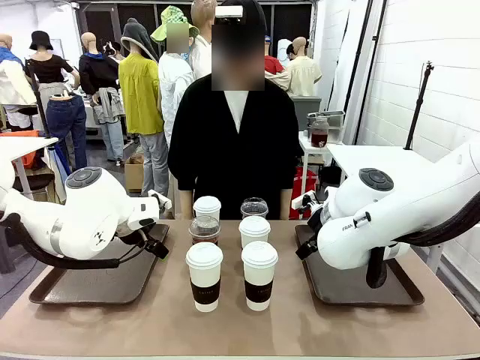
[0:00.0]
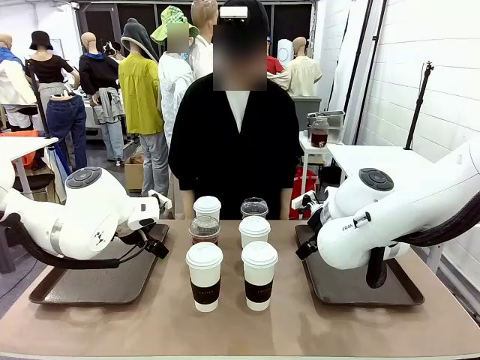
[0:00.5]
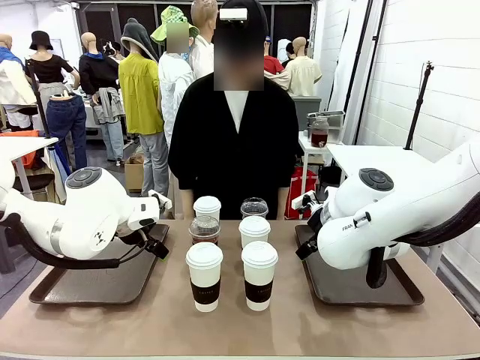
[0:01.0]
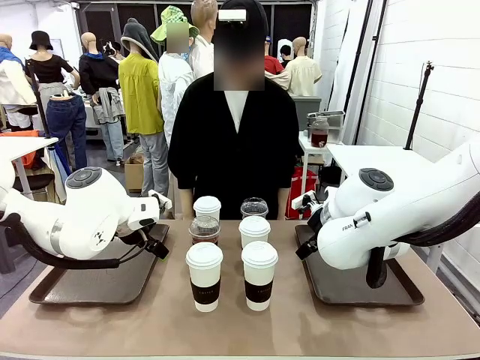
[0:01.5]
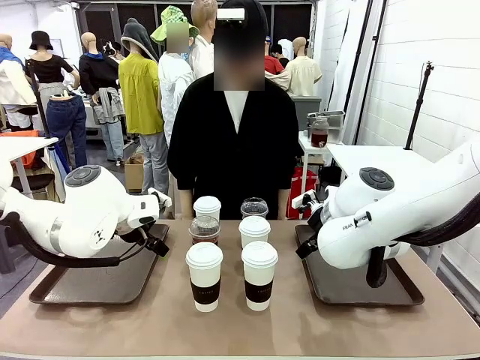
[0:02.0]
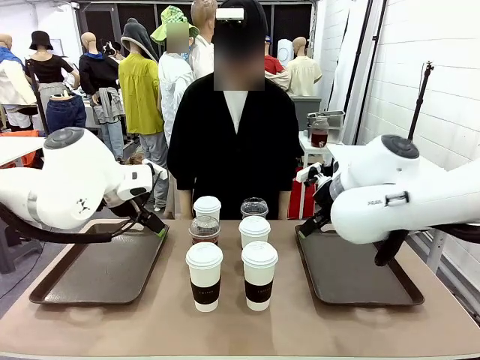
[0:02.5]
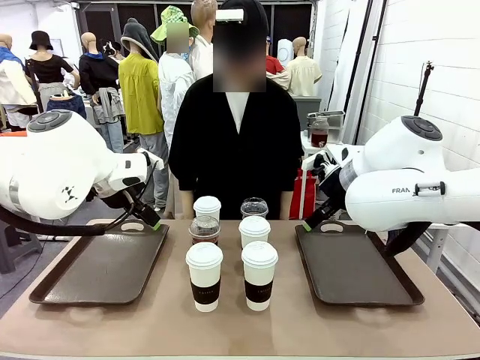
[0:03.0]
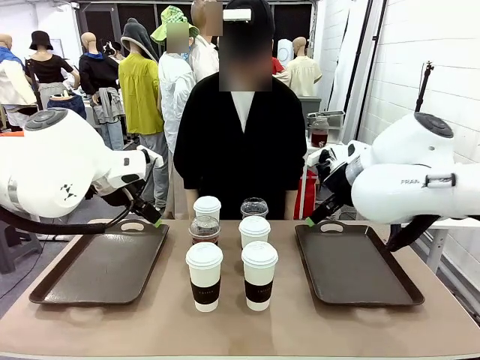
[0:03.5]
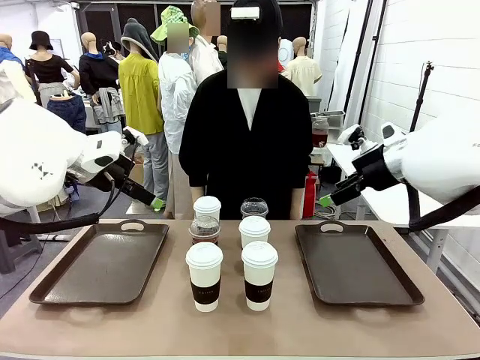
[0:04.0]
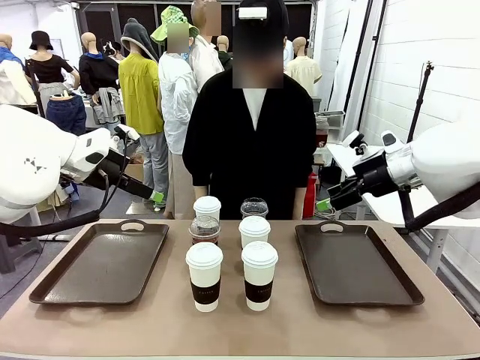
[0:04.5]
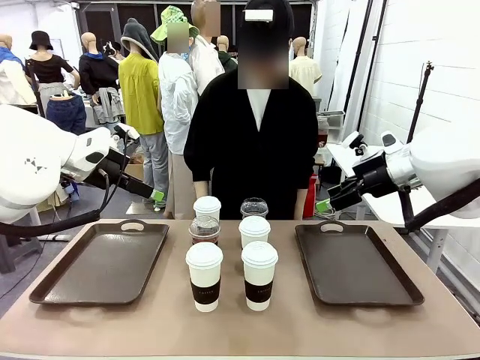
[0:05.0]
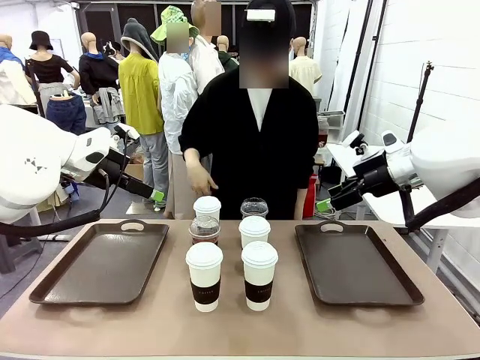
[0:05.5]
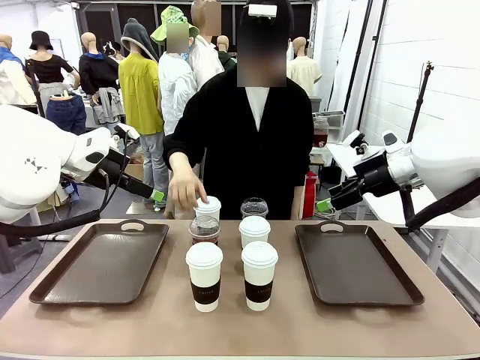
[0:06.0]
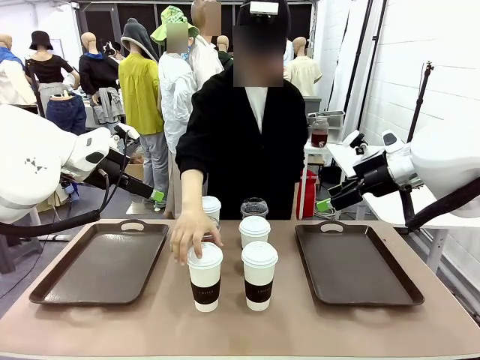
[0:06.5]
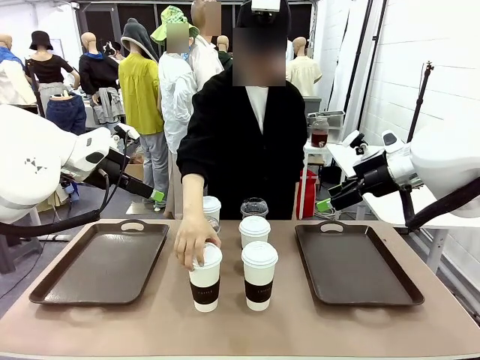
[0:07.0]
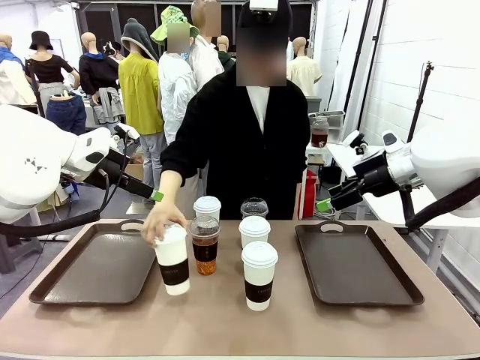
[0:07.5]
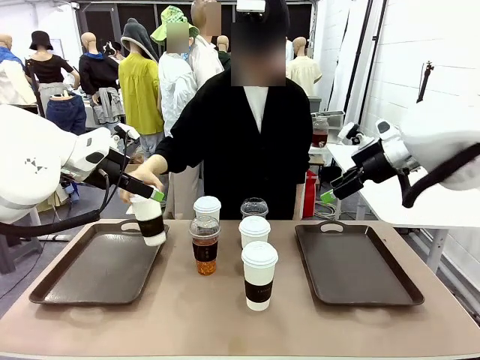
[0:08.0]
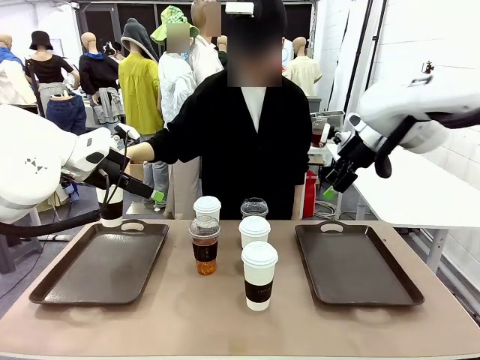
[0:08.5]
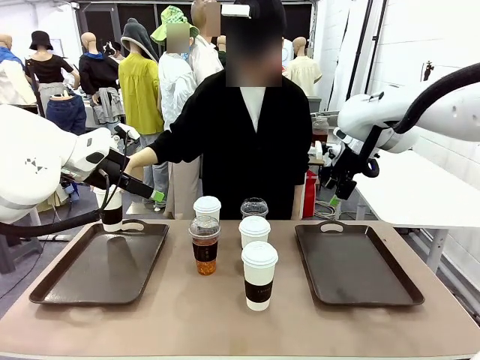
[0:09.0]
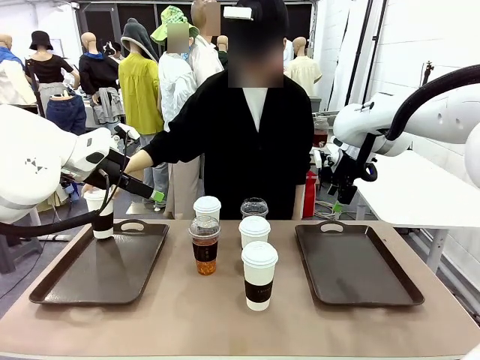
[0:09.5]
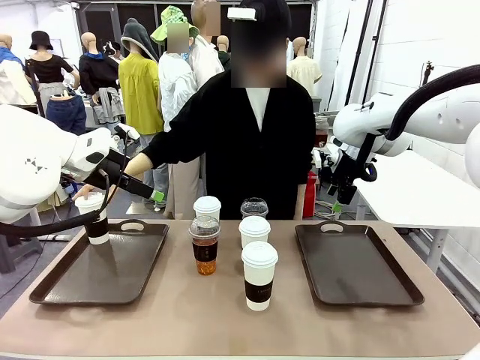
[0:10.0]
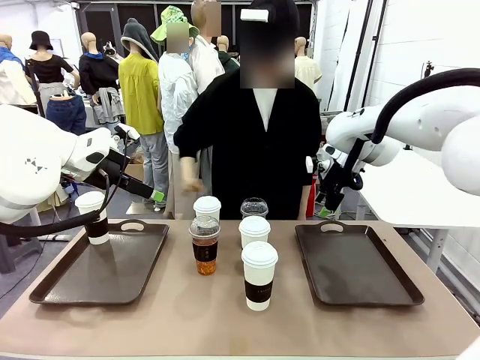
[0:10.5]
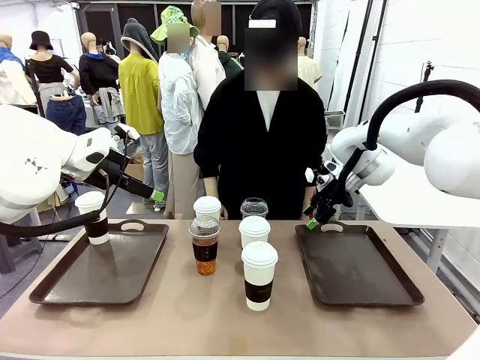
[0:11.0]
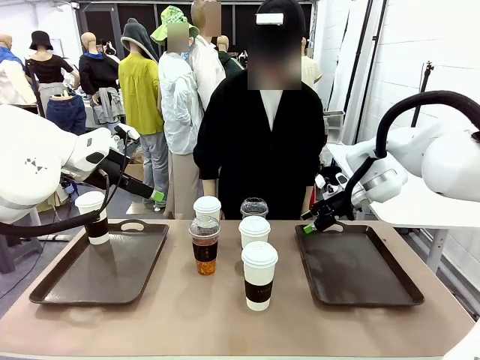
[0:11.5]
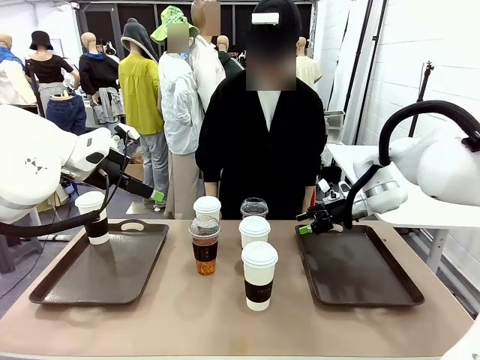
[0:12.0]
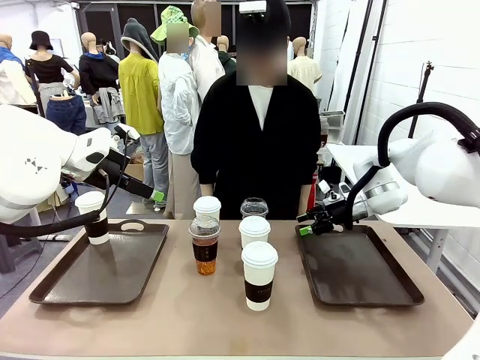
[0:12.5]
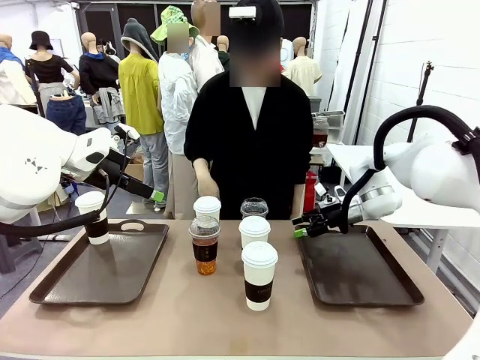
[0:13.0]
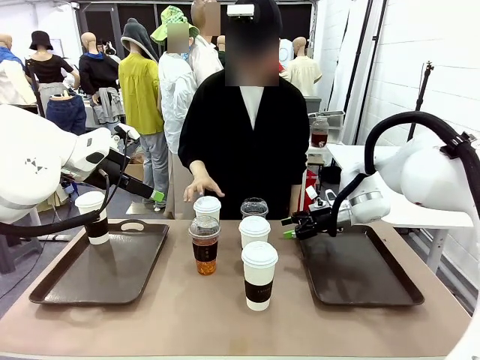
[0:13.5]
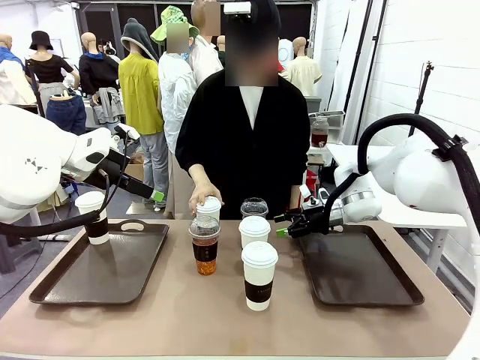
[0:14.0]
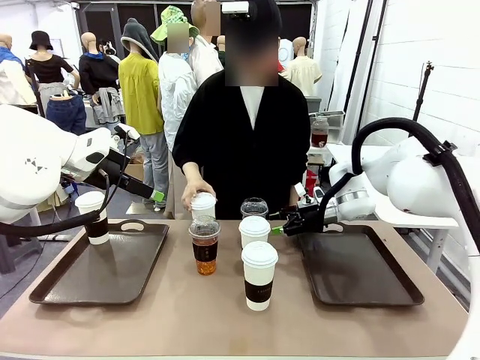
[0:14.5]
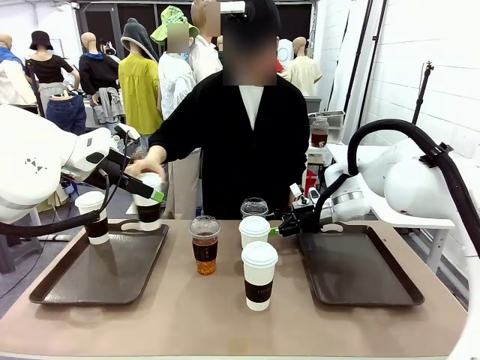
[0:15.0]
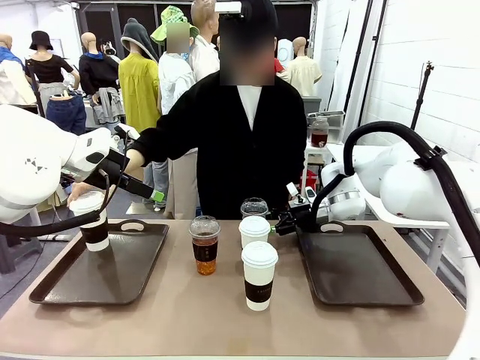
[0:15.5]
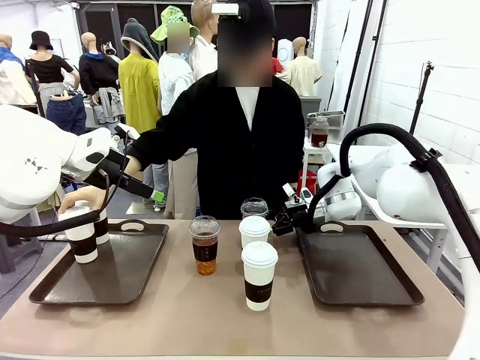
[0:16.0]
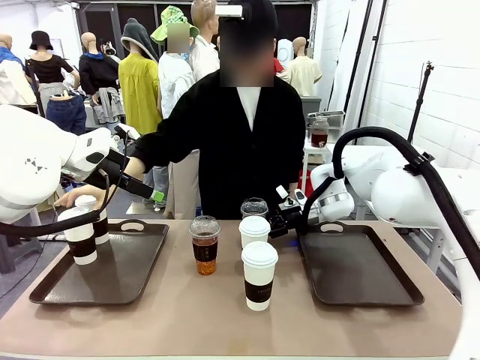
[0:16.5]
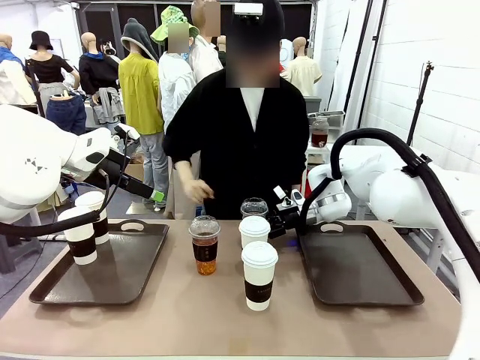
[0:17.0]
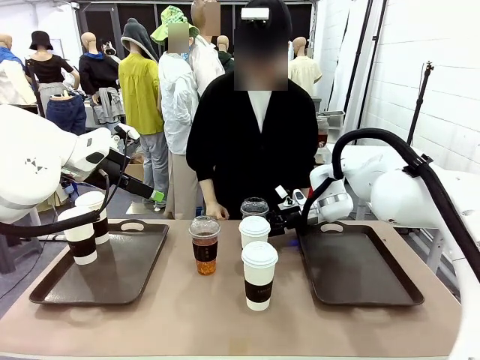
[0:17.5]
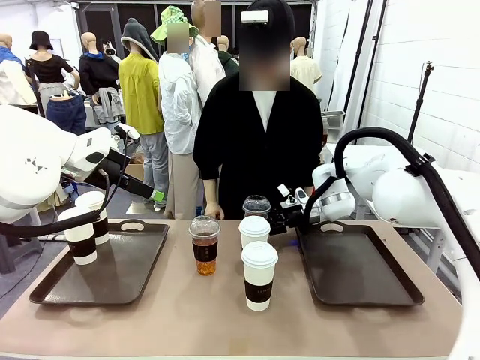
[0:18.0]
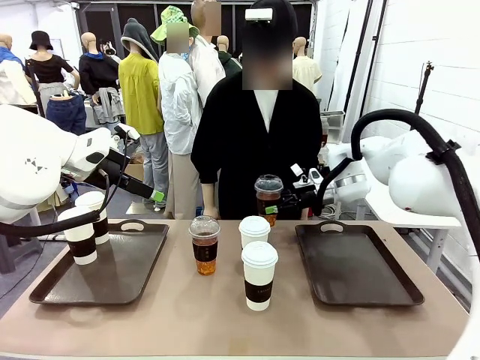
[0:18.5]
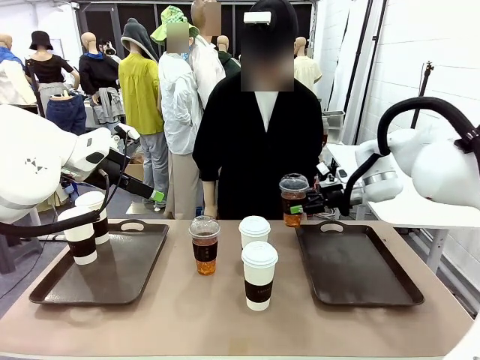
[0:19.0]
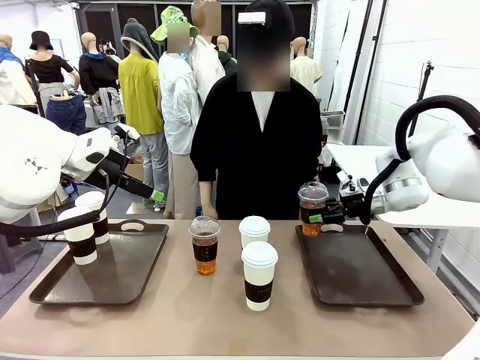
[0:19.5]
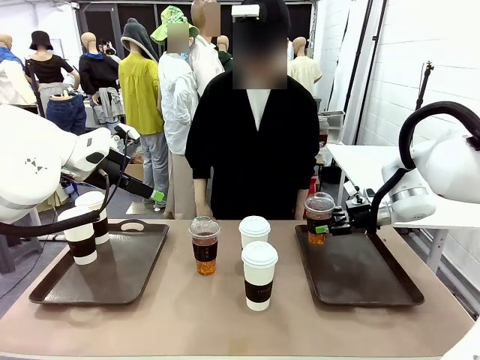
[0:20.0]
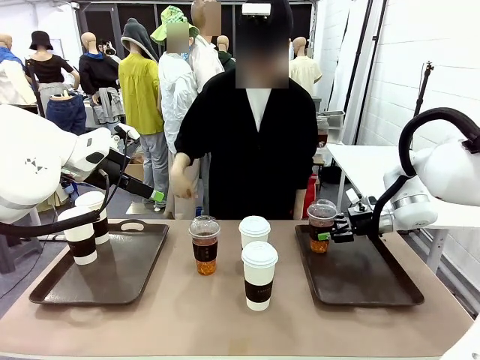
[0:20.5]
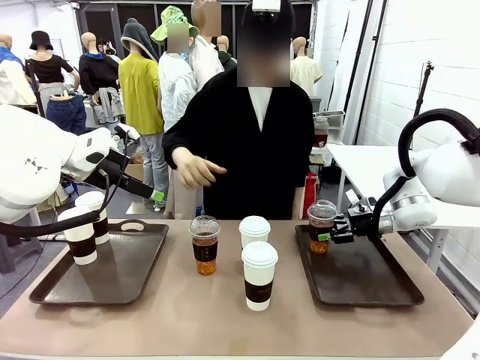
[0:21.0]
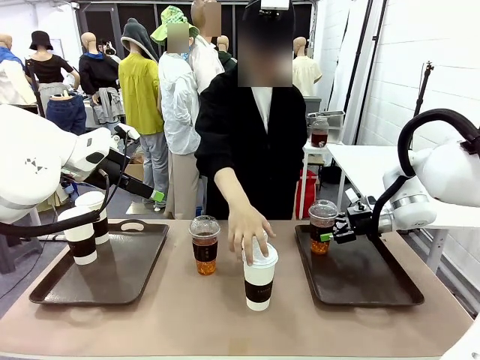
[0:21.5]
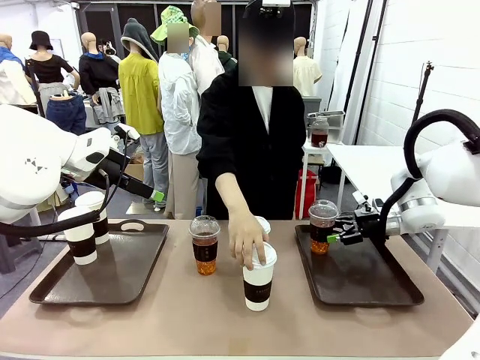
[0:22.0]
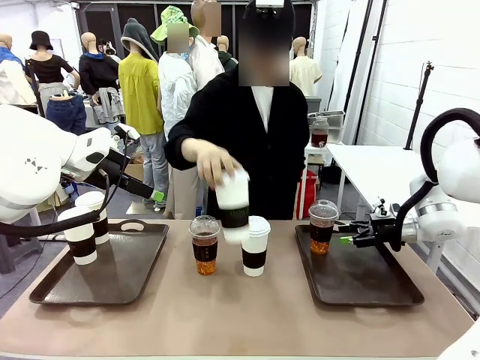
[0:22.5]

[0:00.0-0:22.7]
Task: Distribute the coffee onto the tray.
Robot: Pick up one iced Americano and place it on the right Handle tray.
Person: Pick up a cup of hot Americano and place it on the right tray.
